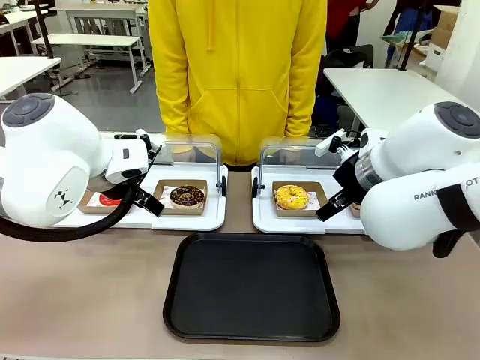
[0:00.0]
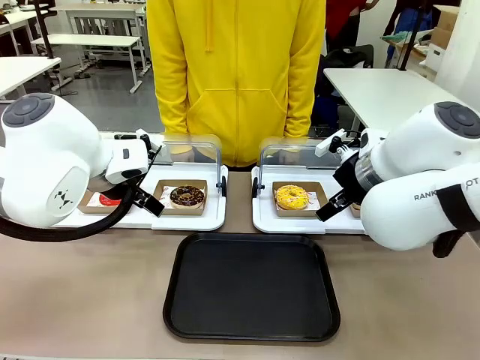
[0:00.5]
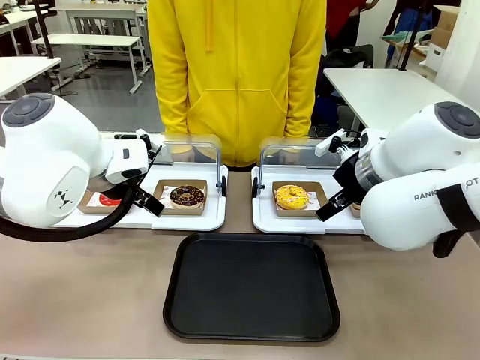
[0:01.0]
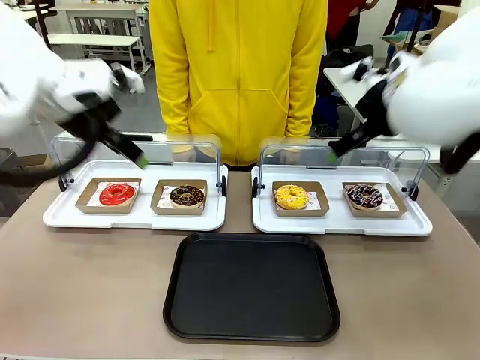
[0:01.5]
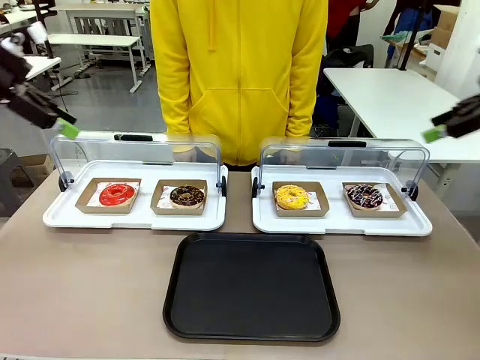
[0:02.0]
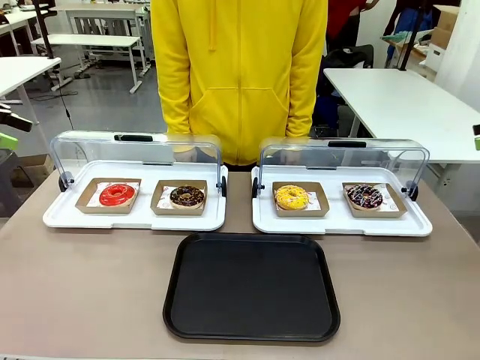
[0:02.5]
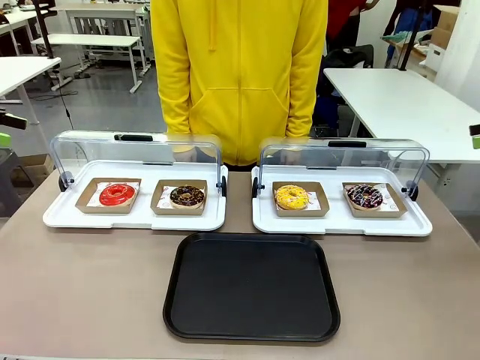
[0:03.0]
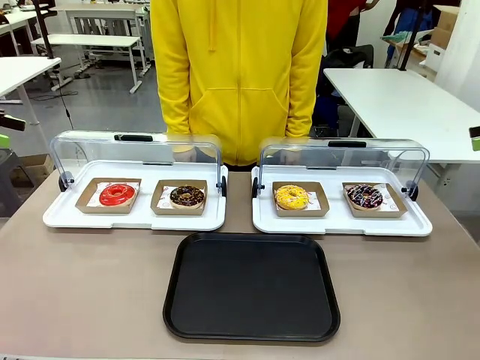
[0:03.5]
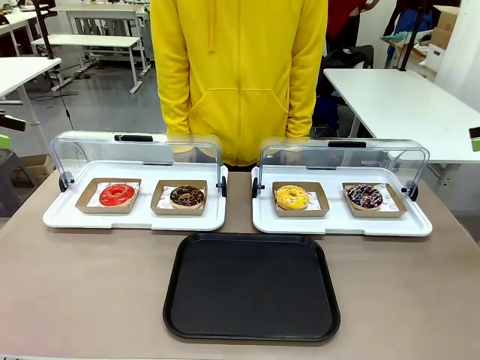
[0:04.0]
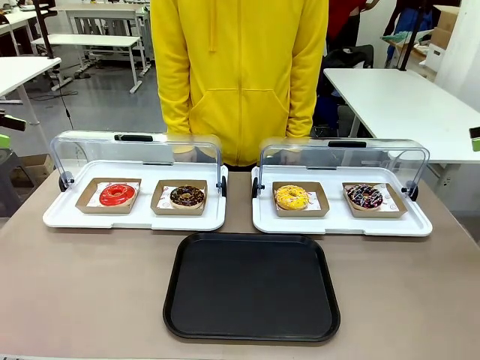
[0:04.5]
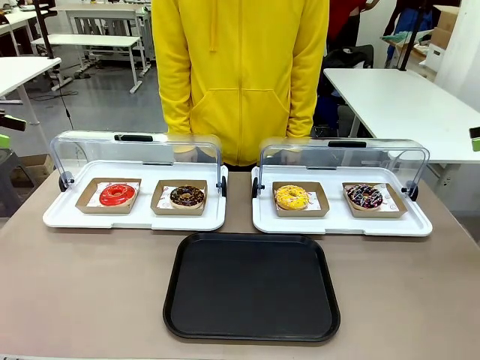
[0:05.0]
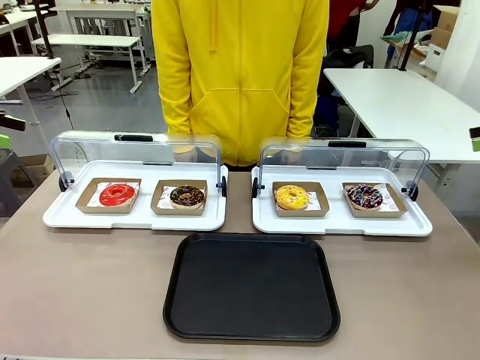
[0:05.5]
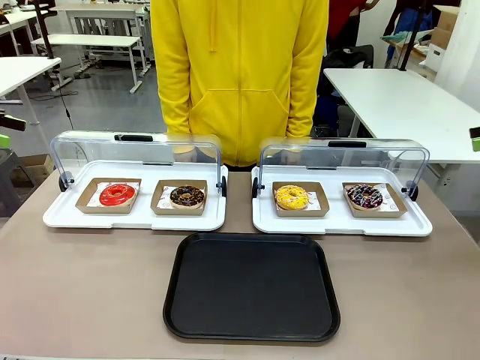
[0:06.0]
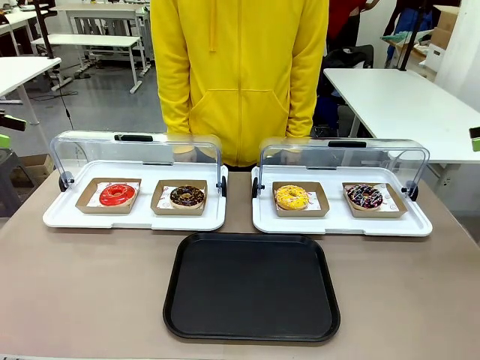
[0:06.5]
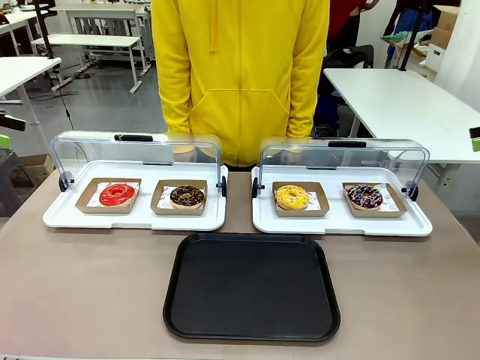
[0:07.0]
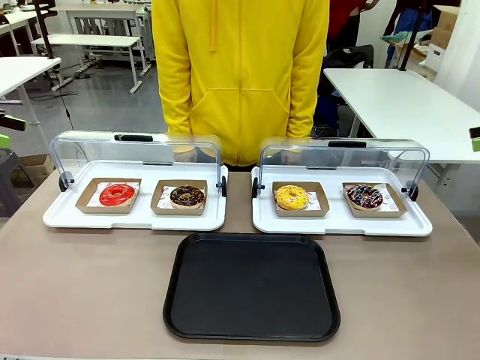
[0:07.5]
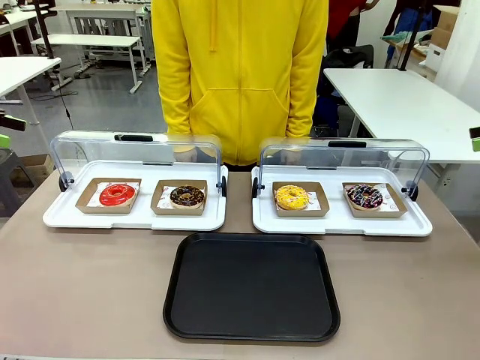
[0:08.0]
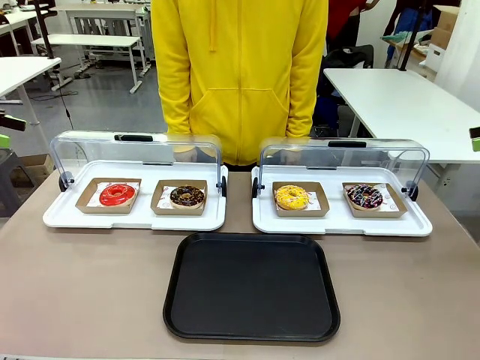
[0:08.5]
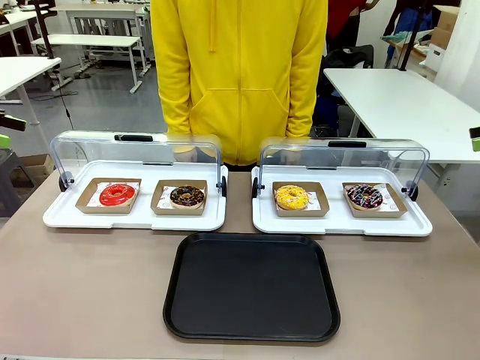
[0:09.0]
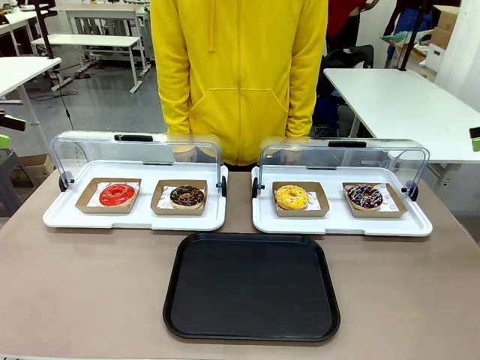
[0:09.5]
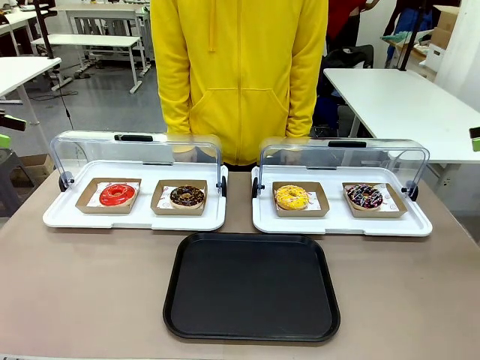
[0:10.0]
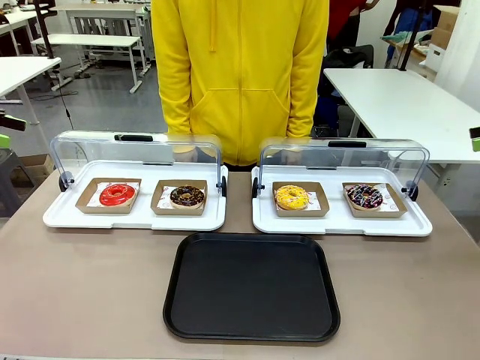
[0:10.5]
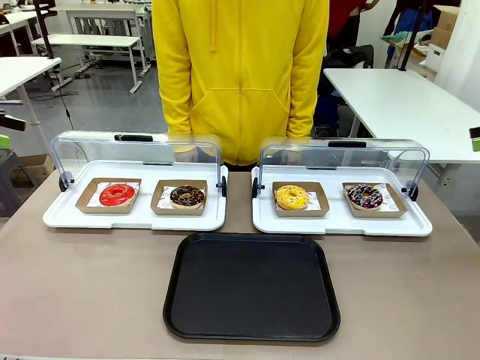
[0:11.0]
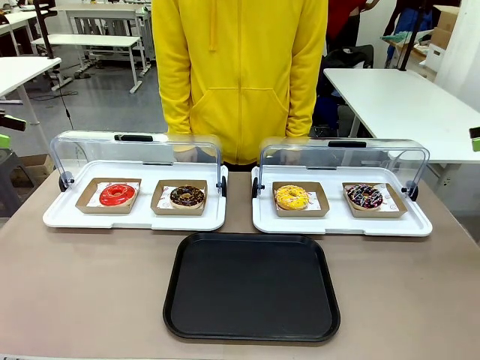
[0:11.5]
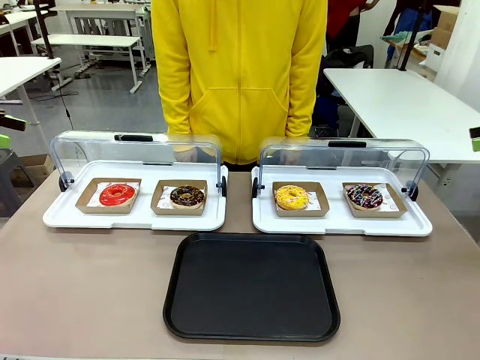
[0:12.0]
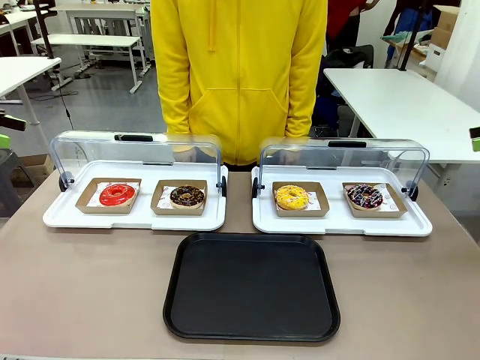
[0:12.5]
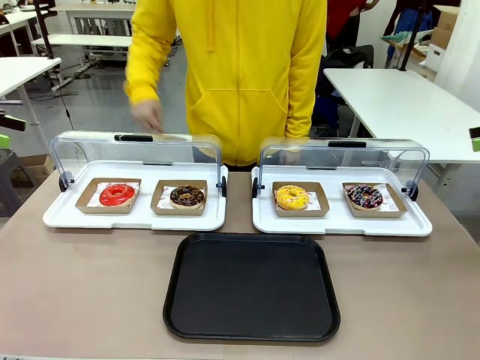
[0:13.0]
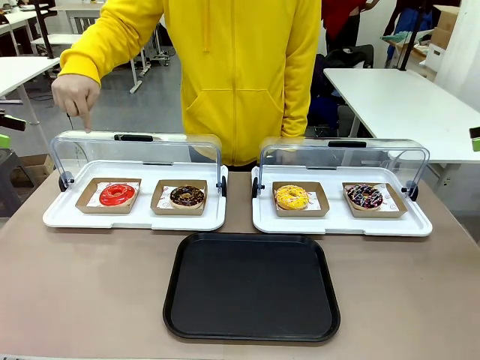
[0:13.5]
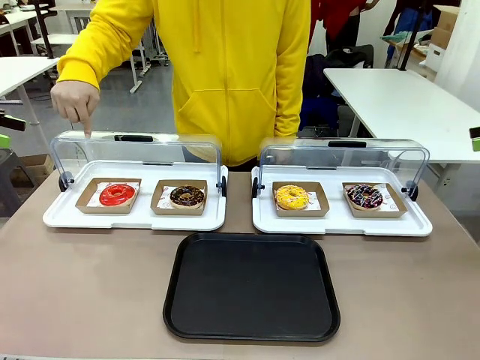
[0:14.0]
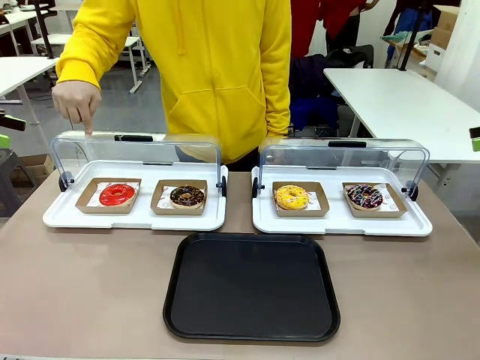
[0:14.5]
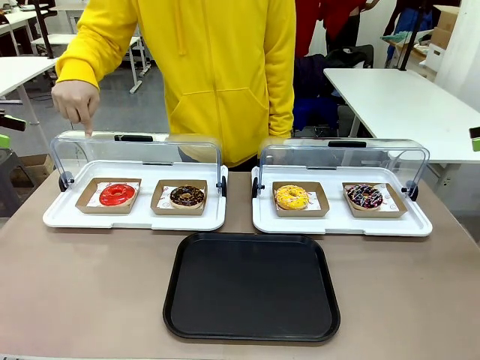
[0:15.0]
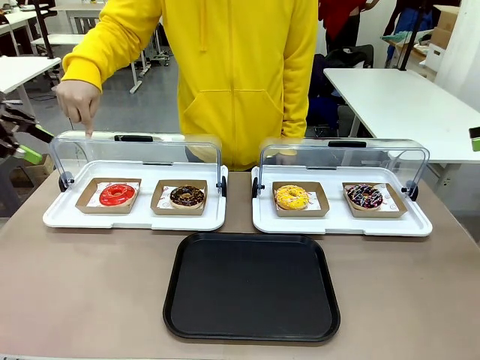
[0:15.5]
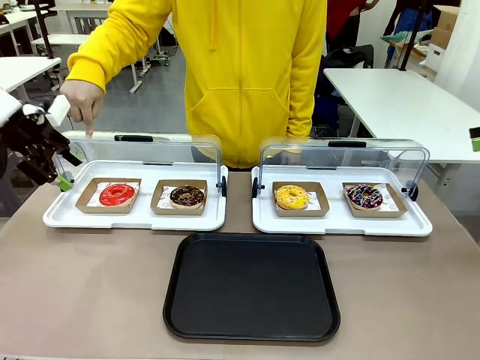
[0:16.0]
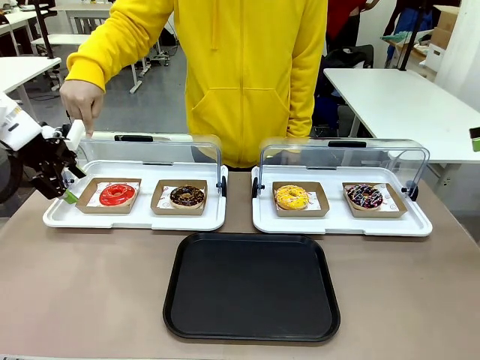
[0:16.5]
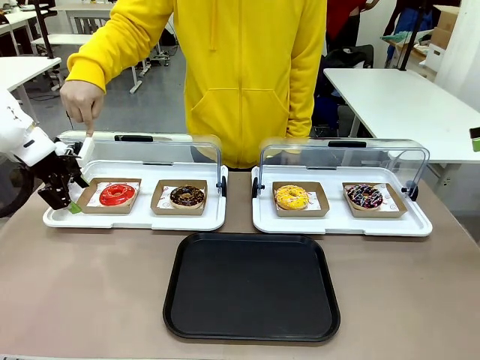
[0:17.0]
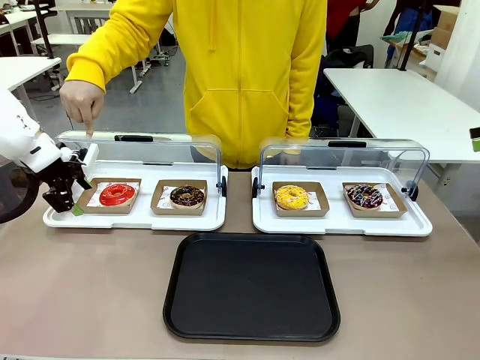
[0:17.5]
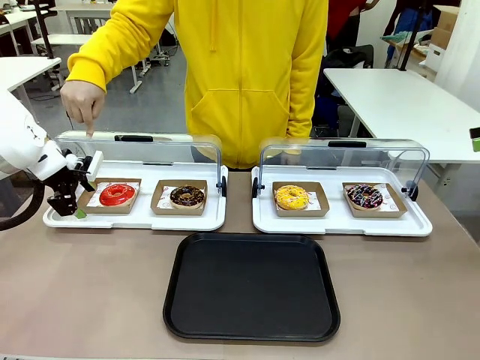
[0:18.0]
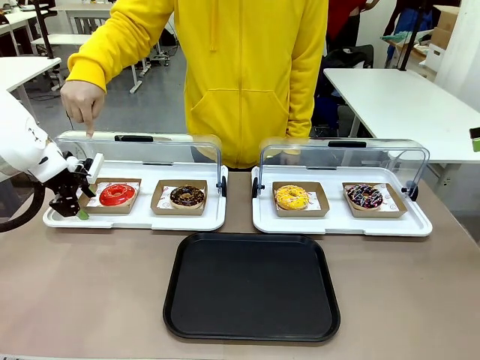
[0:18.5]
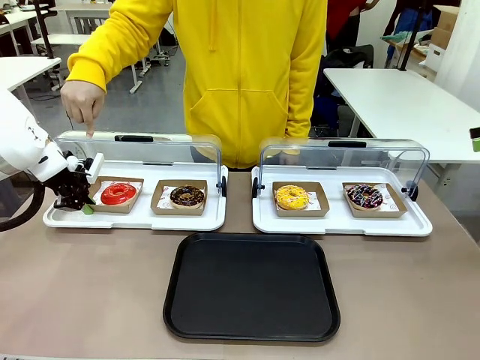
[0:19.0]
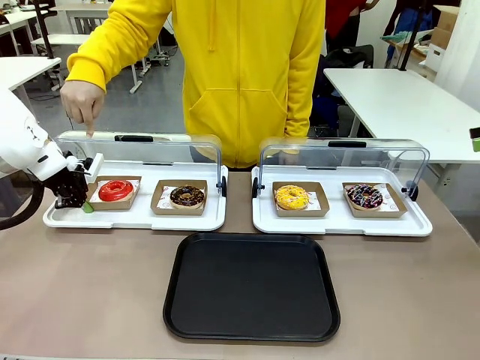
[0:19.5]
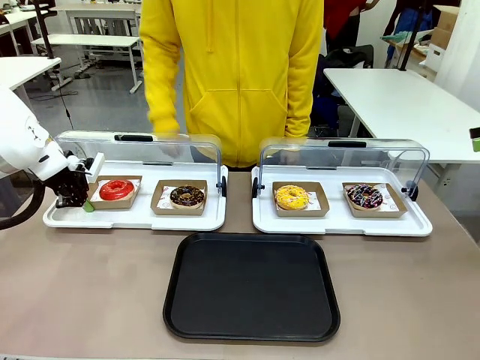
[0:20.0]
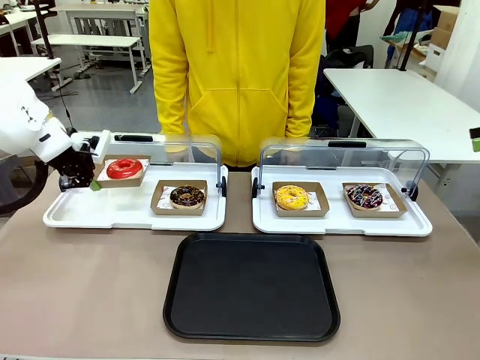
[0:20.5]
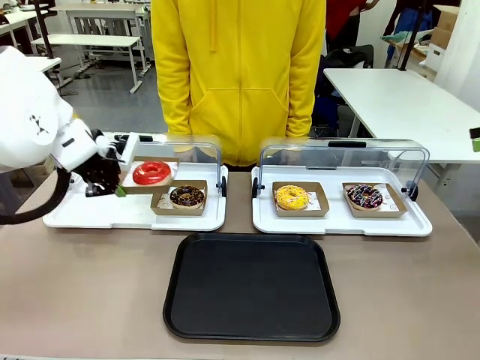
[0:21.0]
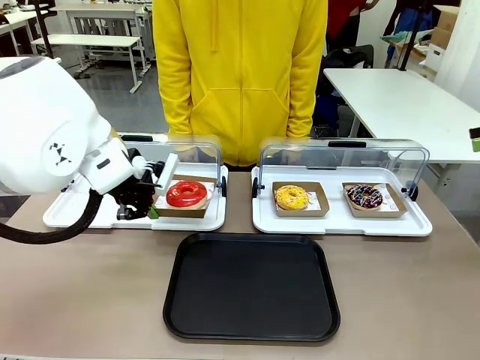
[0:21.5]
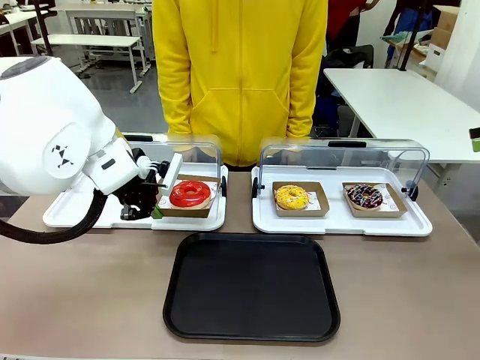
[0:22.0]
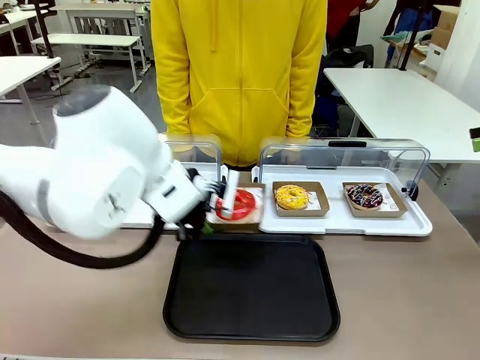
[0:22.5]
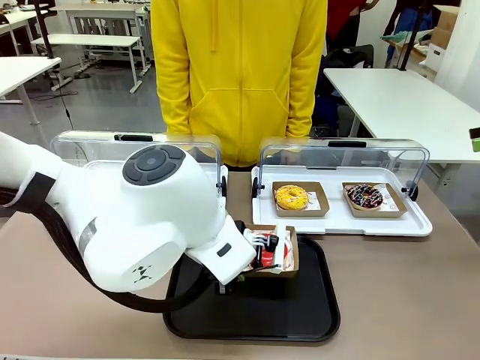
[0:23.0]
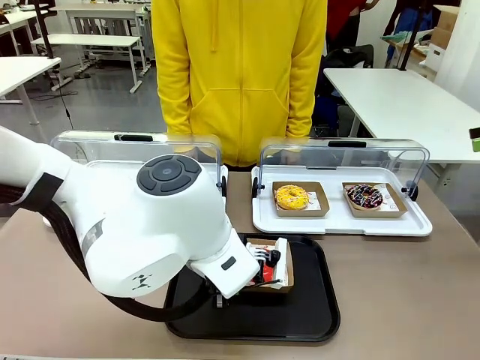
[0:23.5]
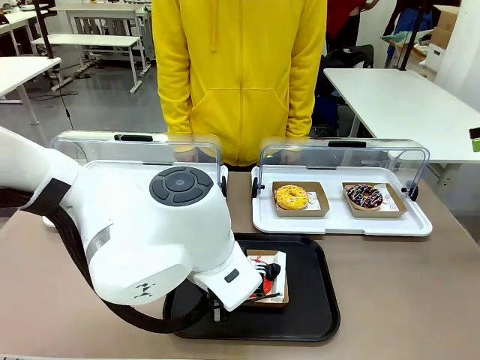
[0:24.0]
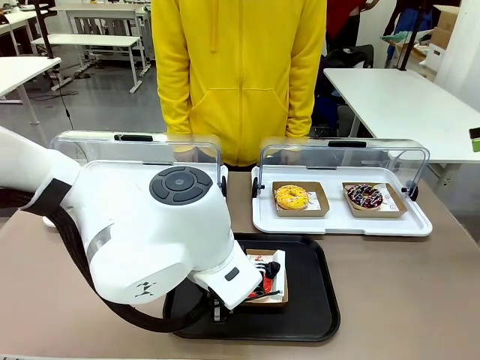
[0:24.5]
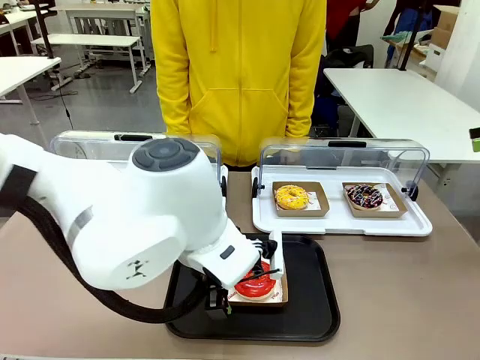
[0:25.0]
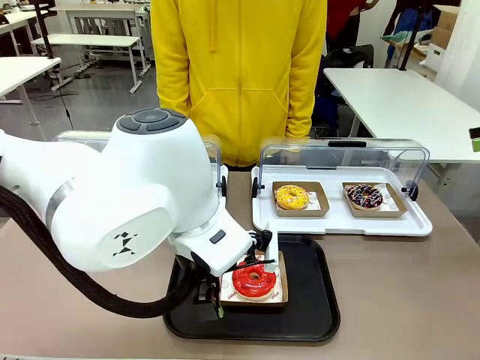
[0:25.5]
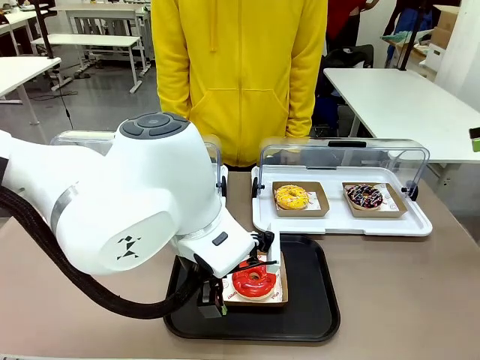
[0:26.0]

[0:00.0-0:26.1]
Task: Move the first donut from the left to the tray.
Robot: Pick up the Paper togo box containing the Donut indicated by the person and place it on the Handle tray.
Person: Points to the first donut from the left from the robot’s perspective.
